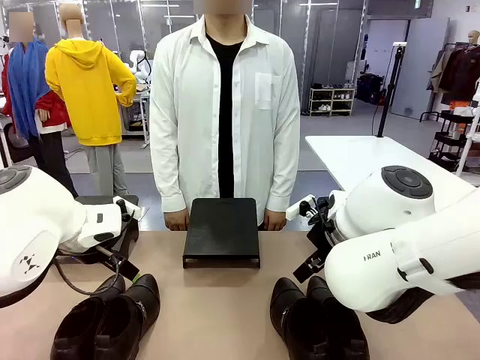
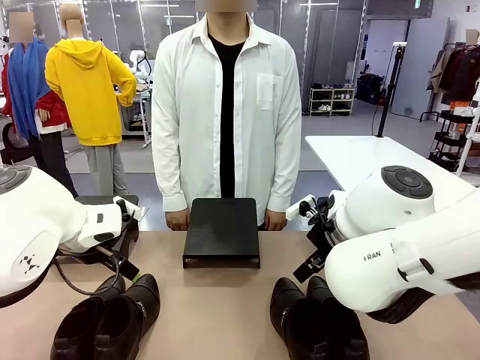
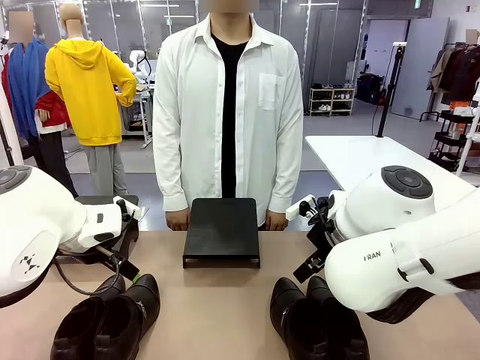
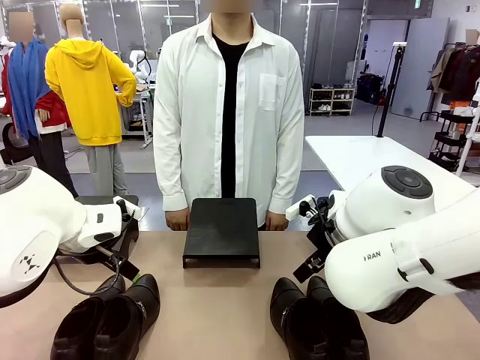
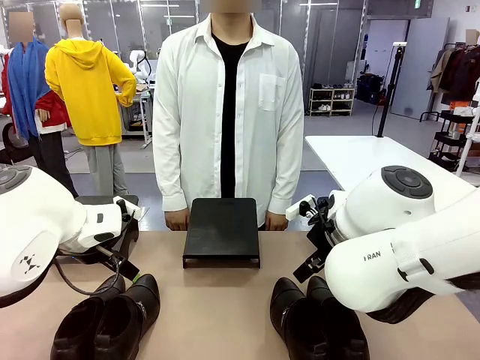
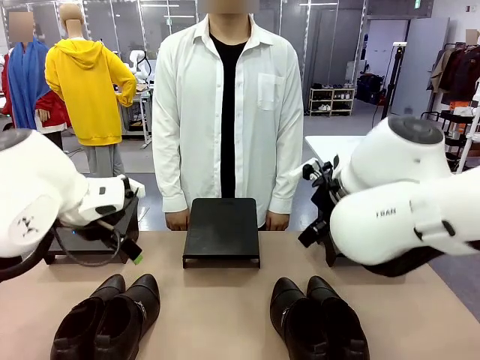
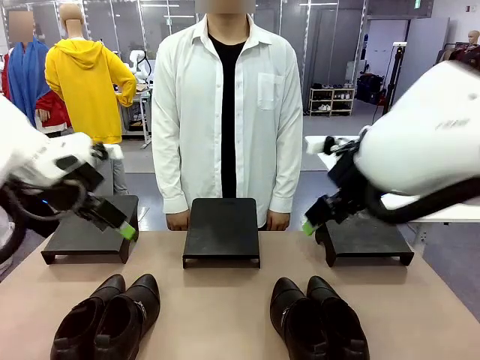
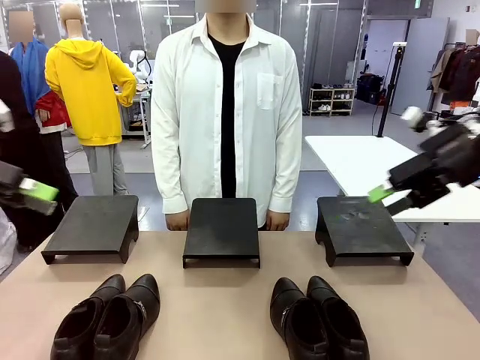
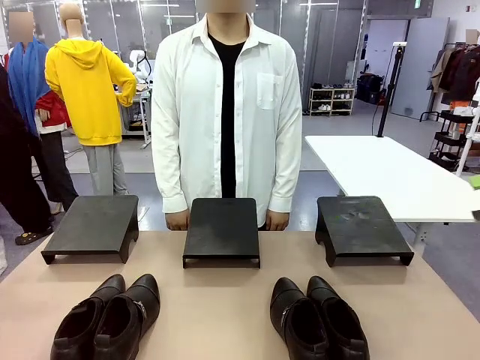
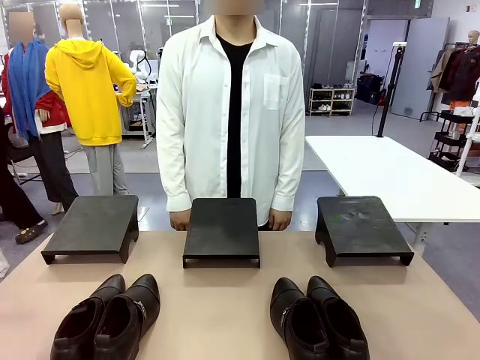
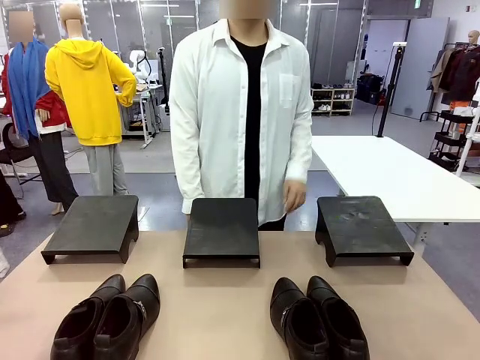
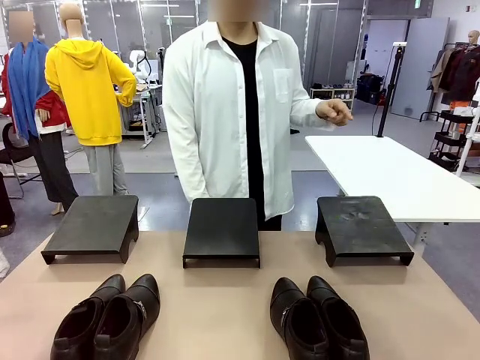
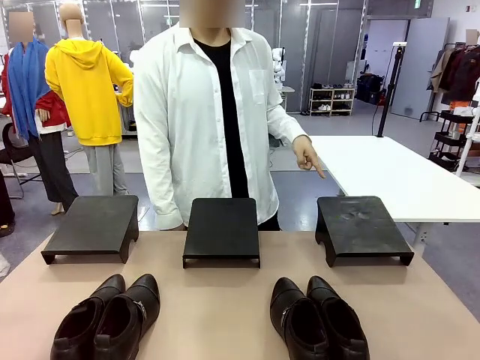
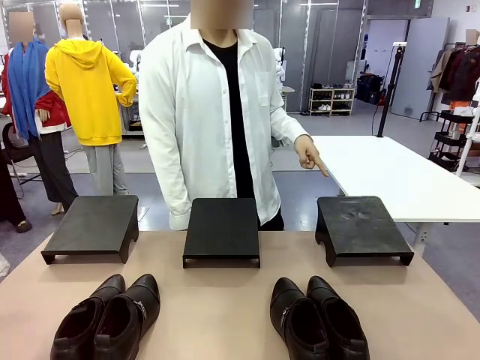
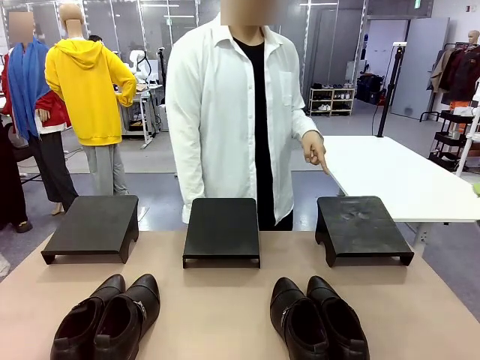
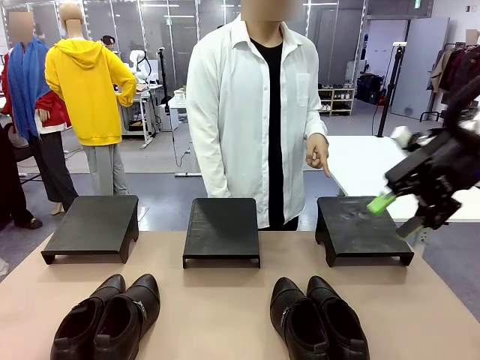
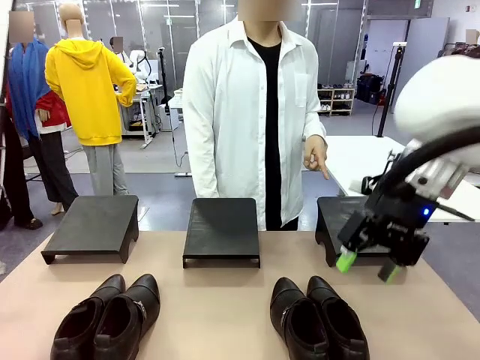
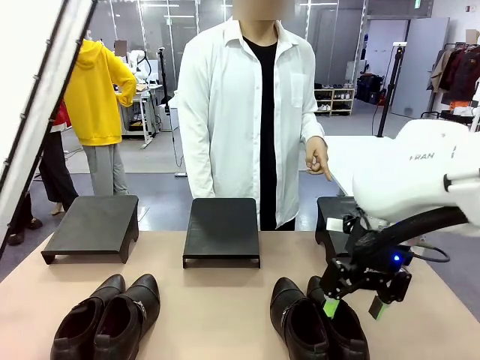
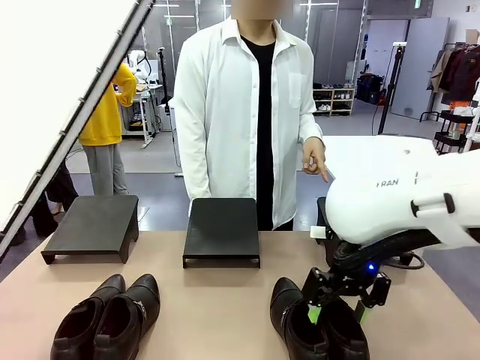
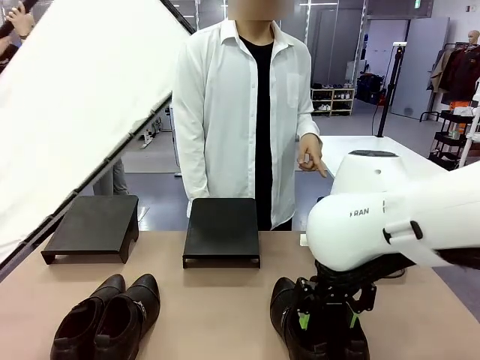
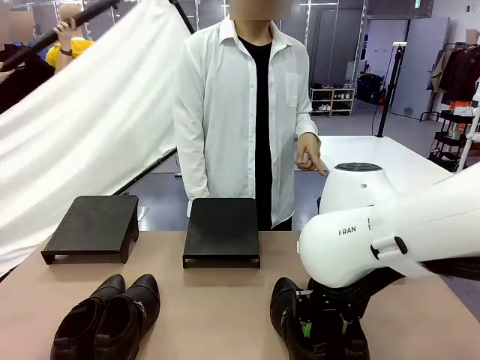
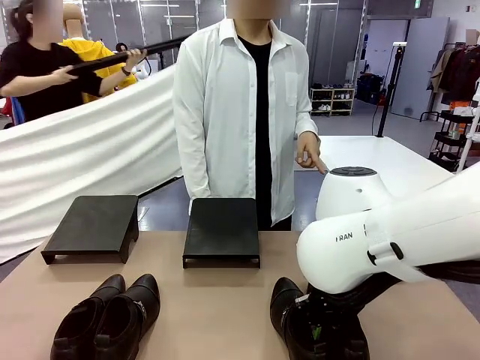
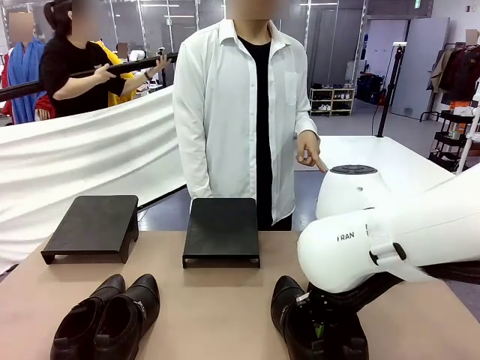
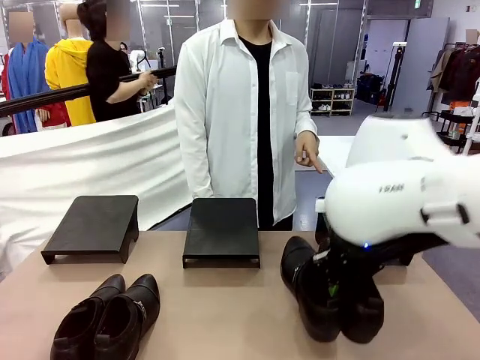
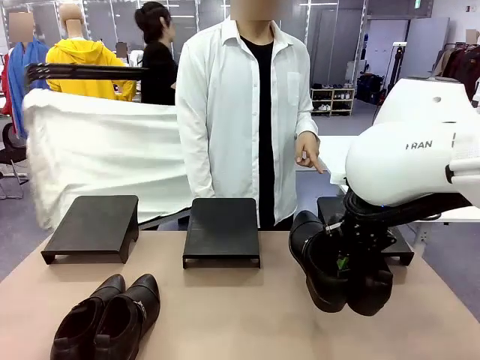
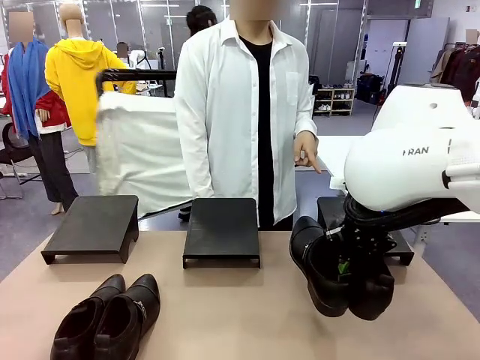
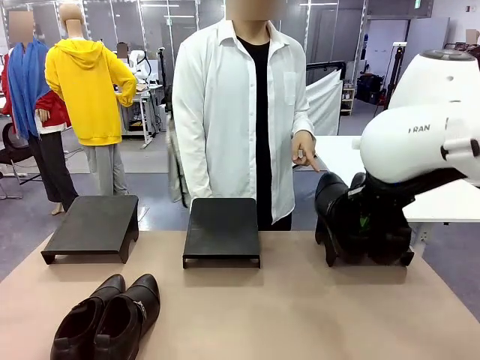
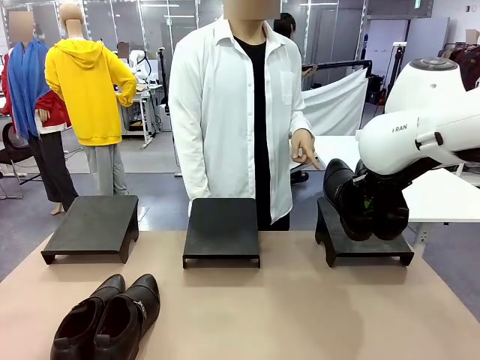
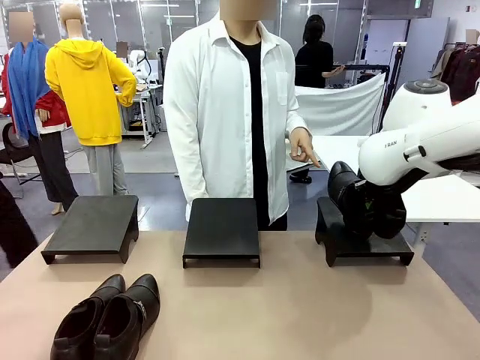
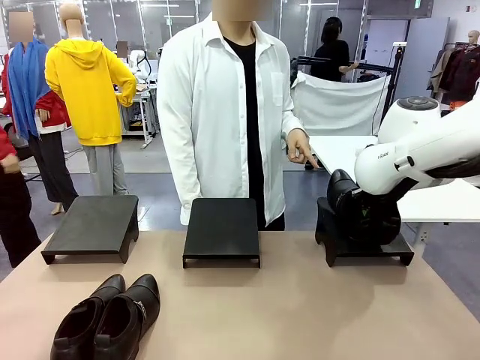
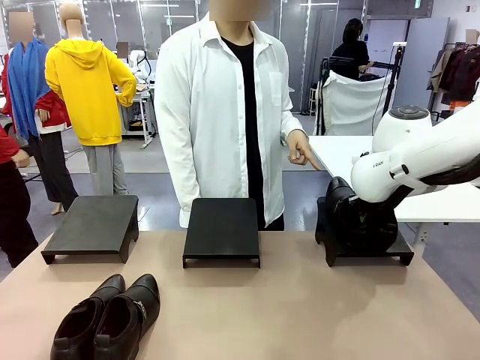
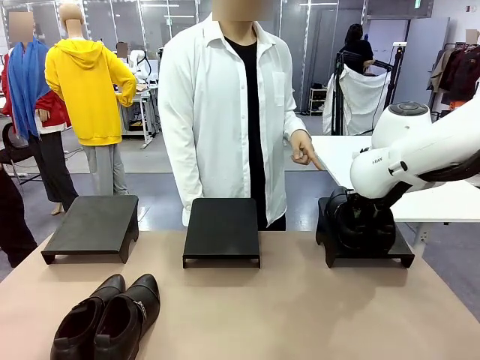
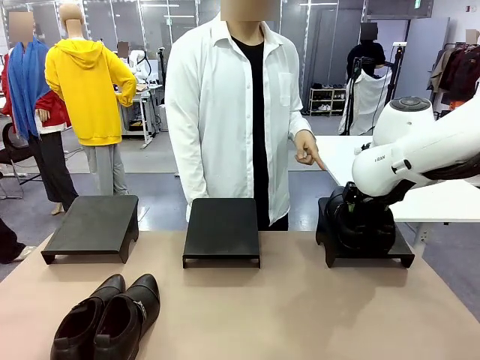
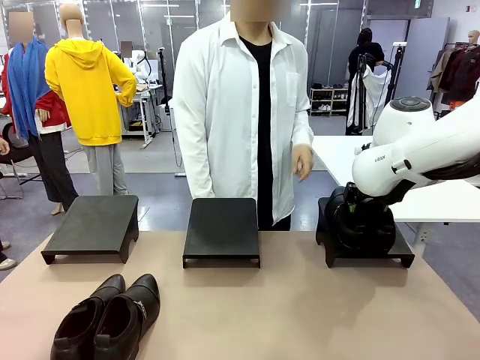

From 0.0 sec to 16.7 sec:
Task: Place the shoes on the stand as instructed by the person.
Robot: Pick up one pair of Shoes and place it on the Shoes Stand indicated by the person.

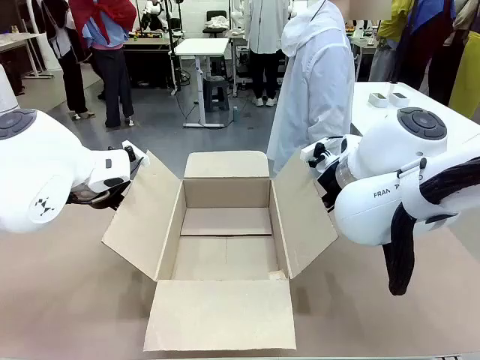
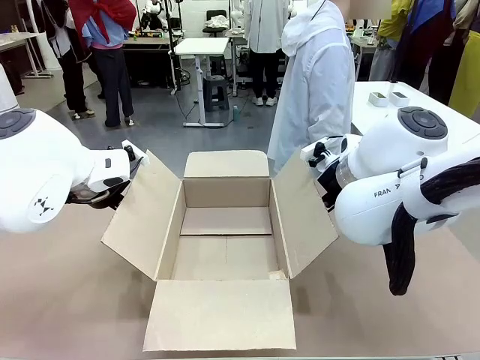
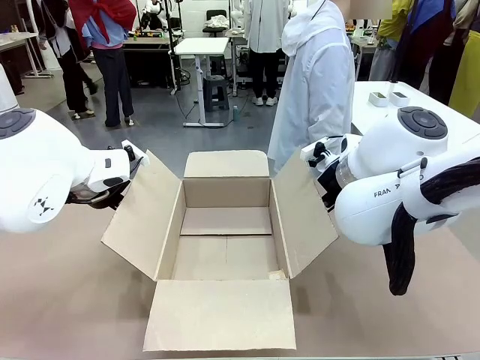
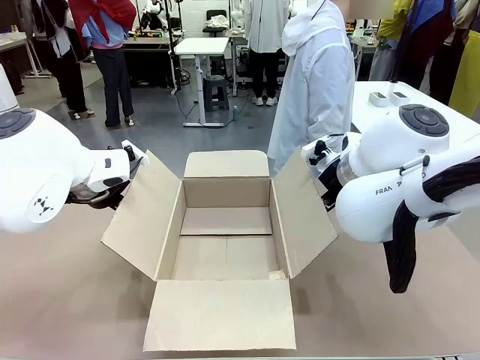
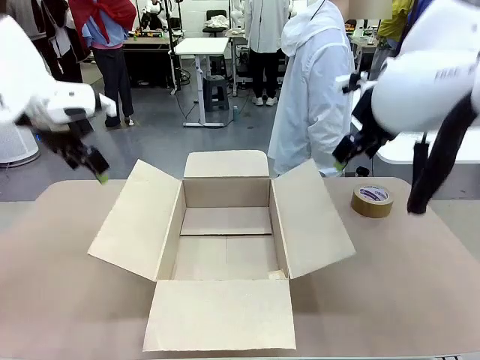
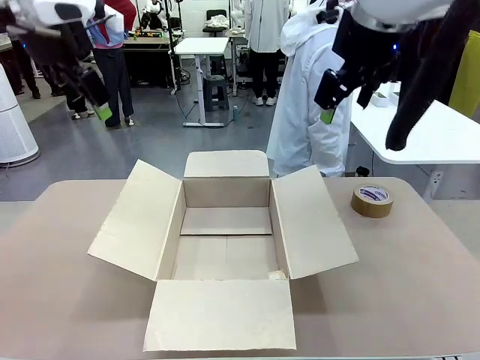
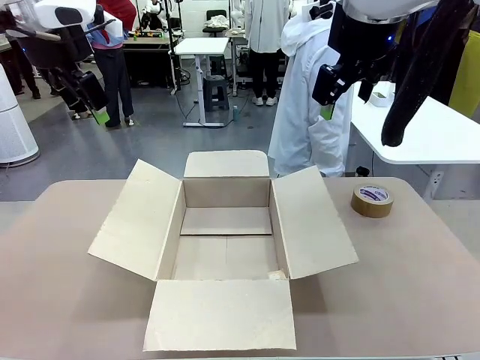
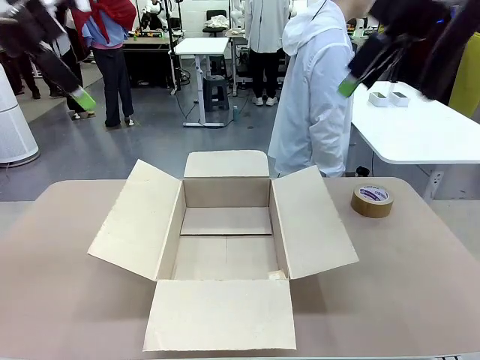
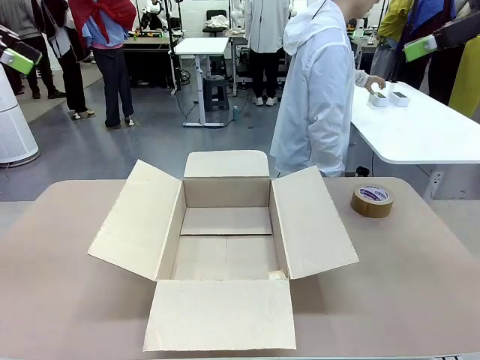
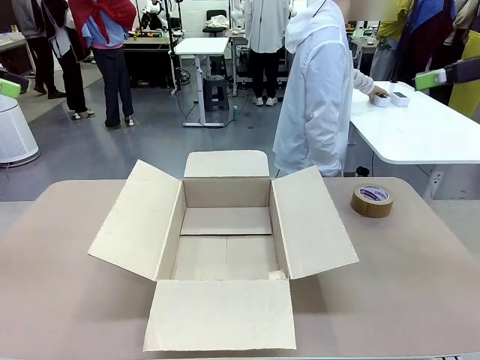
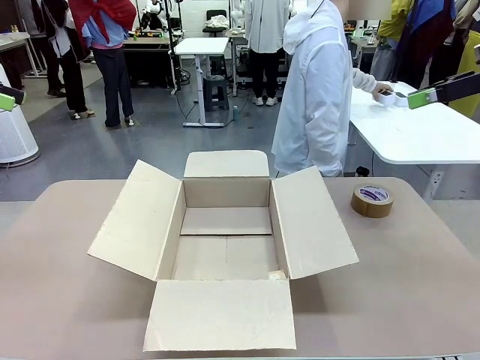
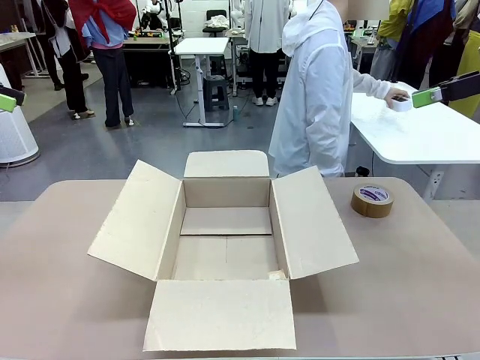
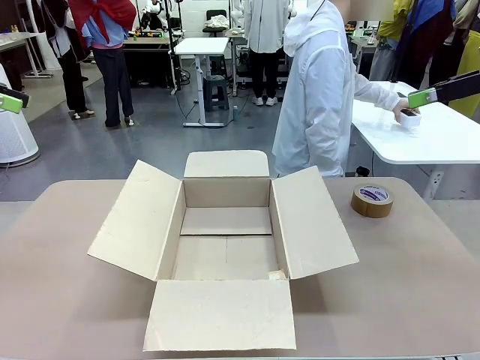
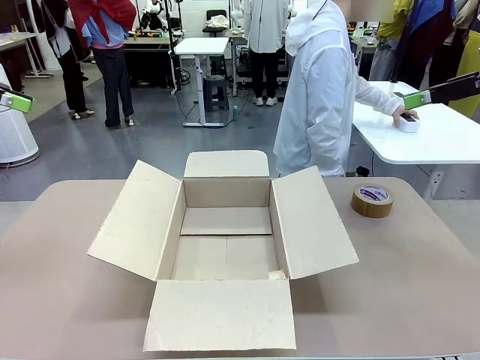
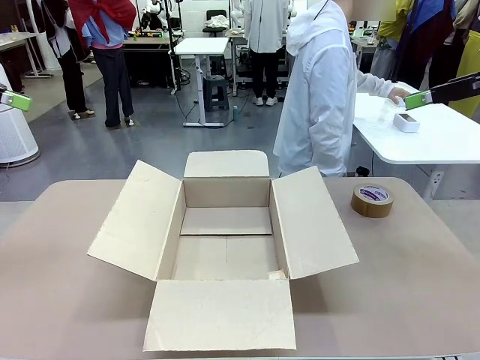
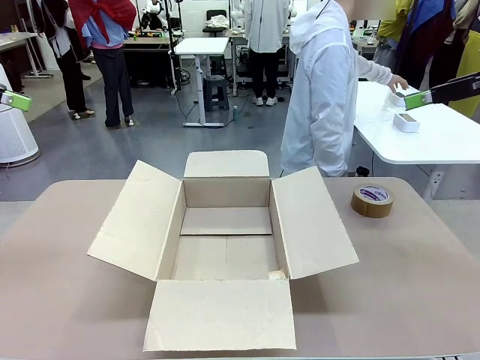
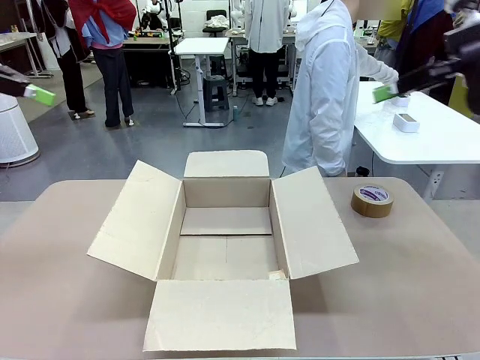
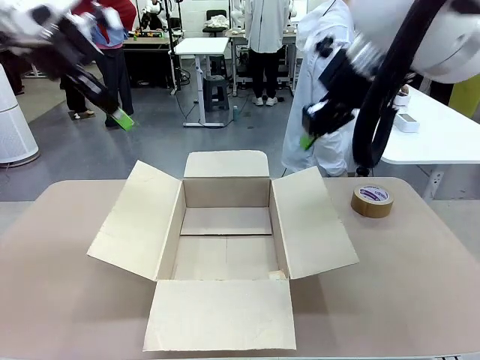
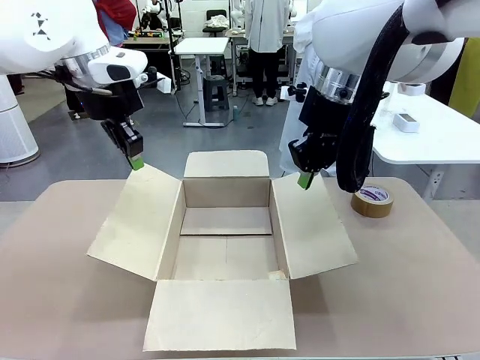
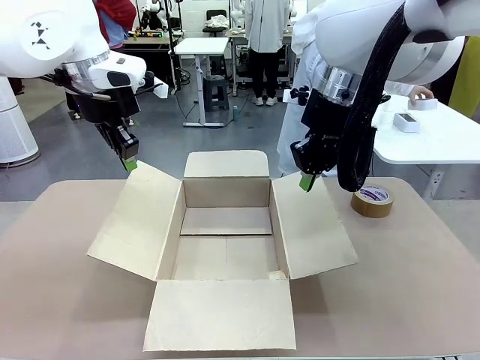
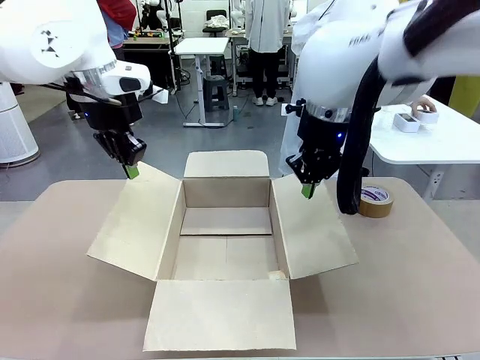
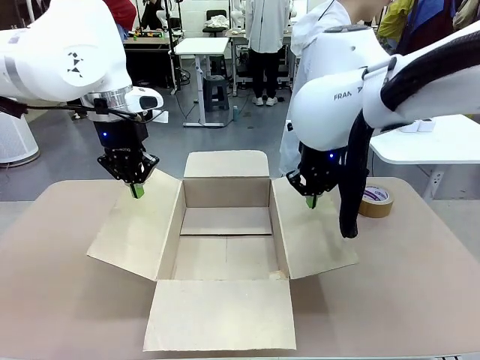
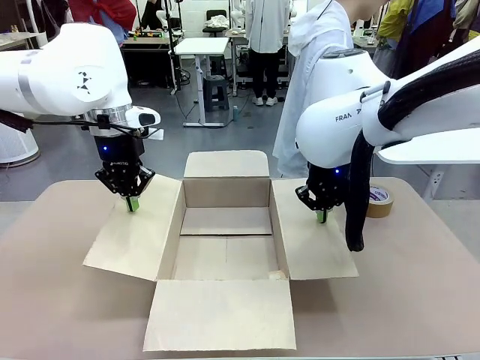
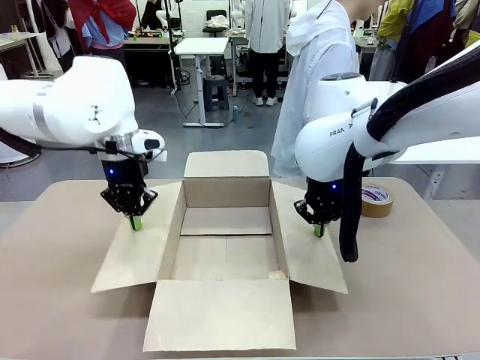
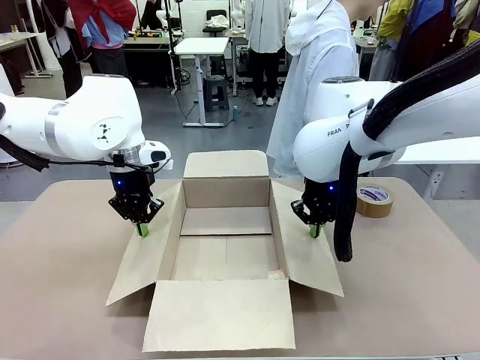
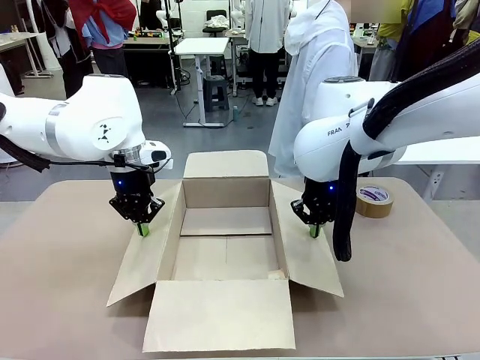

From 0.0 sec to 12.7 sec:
Task: Wrap the clocks to prevent damage.
Robot: Open the side flaps of the Package Box.
